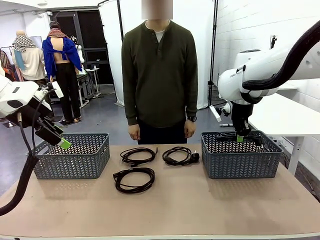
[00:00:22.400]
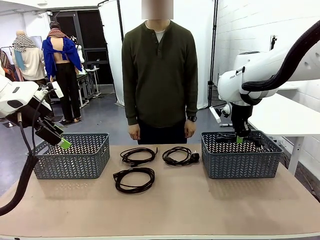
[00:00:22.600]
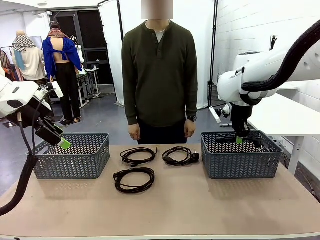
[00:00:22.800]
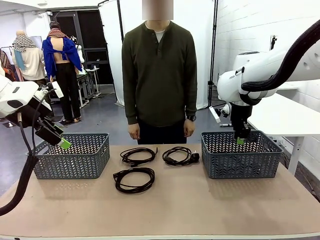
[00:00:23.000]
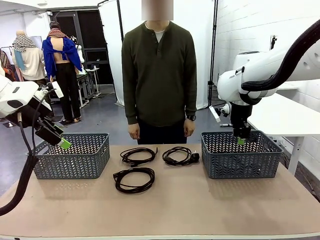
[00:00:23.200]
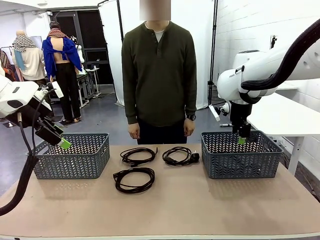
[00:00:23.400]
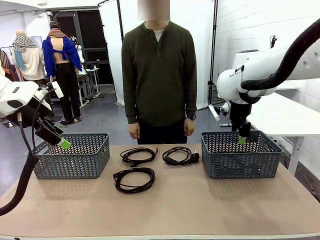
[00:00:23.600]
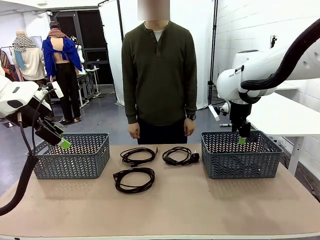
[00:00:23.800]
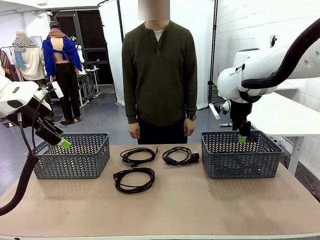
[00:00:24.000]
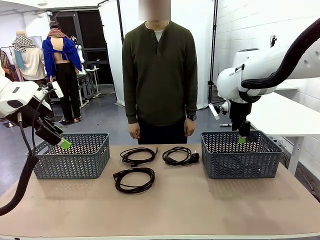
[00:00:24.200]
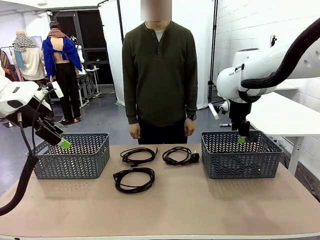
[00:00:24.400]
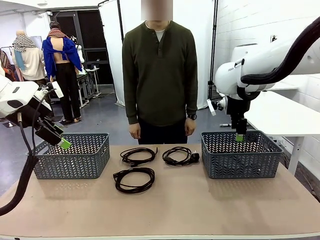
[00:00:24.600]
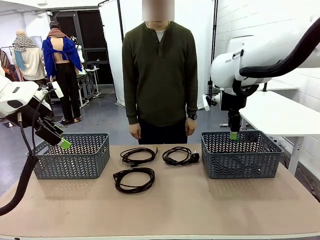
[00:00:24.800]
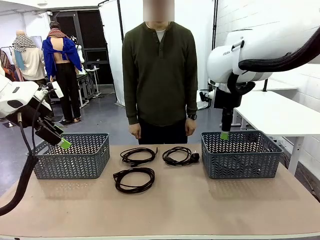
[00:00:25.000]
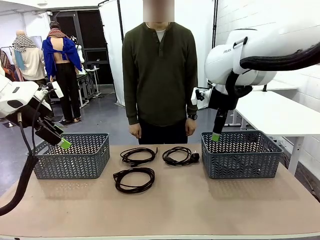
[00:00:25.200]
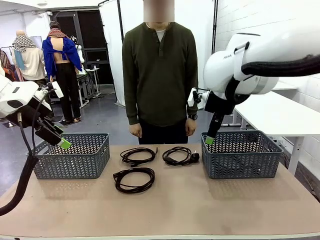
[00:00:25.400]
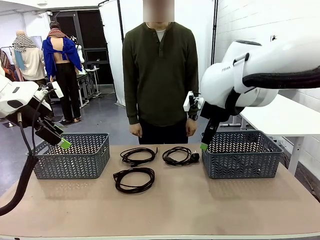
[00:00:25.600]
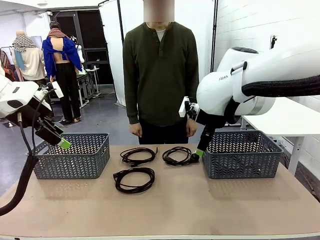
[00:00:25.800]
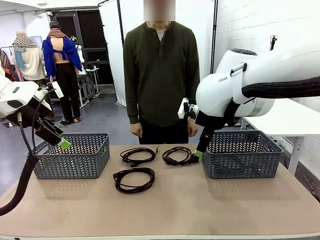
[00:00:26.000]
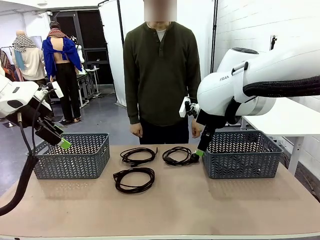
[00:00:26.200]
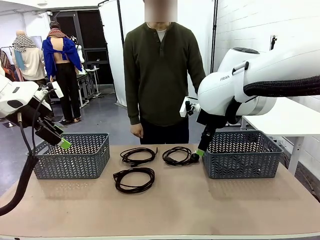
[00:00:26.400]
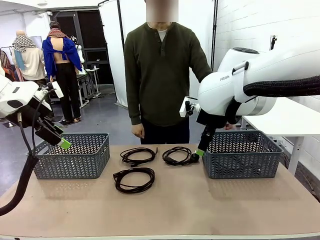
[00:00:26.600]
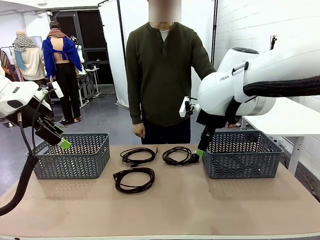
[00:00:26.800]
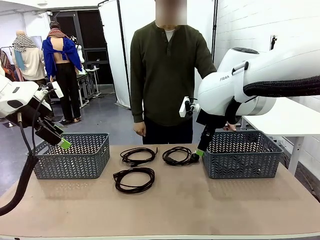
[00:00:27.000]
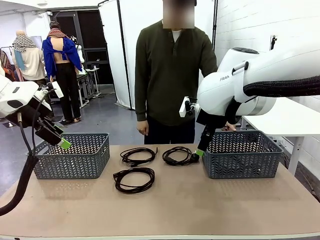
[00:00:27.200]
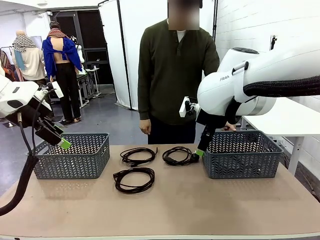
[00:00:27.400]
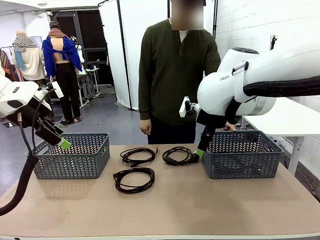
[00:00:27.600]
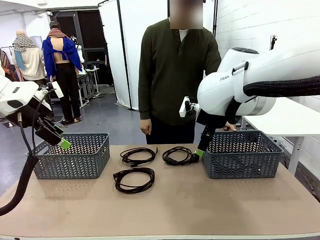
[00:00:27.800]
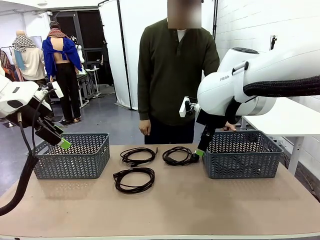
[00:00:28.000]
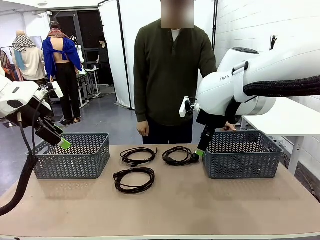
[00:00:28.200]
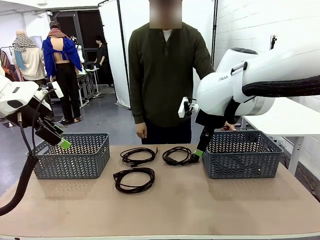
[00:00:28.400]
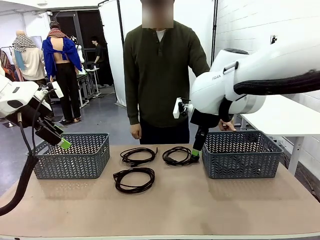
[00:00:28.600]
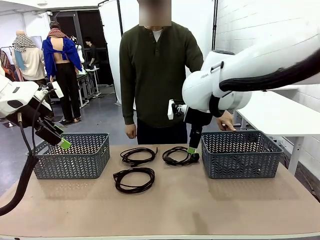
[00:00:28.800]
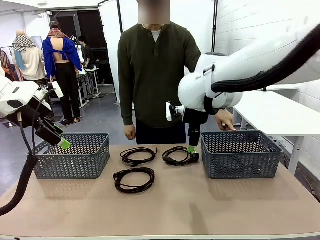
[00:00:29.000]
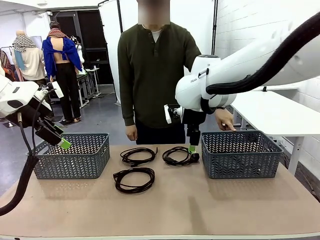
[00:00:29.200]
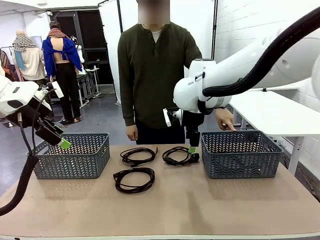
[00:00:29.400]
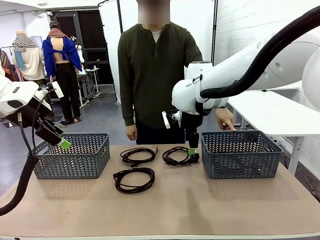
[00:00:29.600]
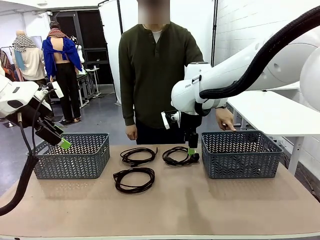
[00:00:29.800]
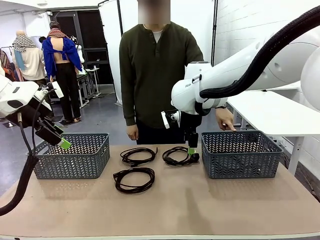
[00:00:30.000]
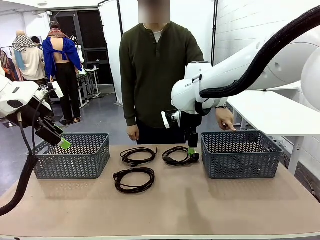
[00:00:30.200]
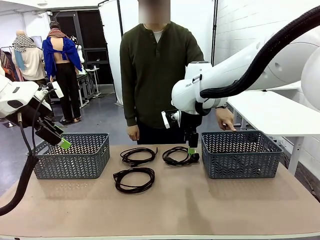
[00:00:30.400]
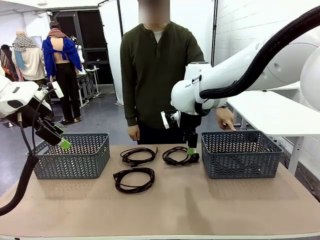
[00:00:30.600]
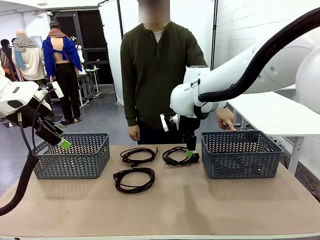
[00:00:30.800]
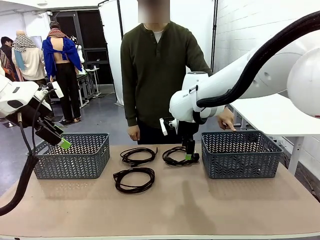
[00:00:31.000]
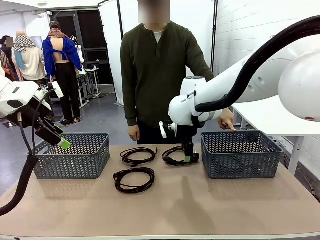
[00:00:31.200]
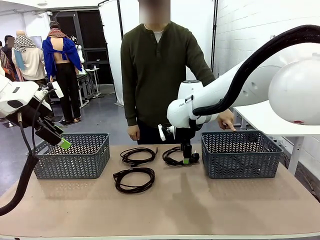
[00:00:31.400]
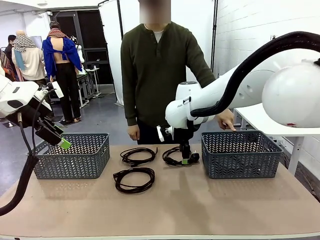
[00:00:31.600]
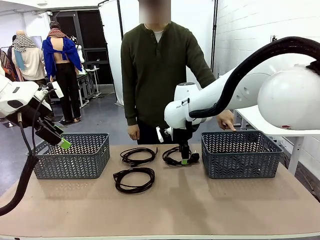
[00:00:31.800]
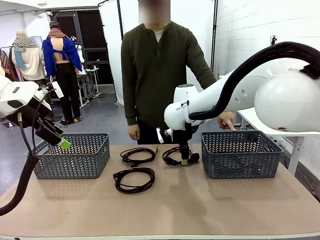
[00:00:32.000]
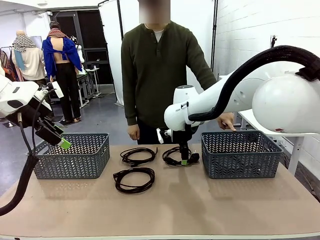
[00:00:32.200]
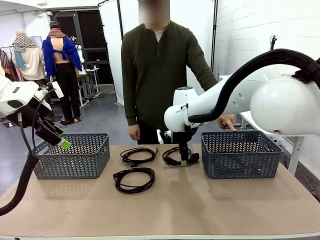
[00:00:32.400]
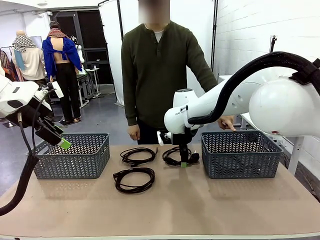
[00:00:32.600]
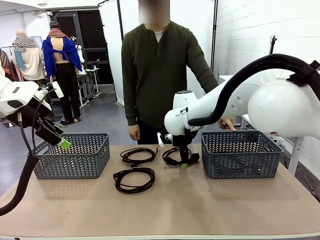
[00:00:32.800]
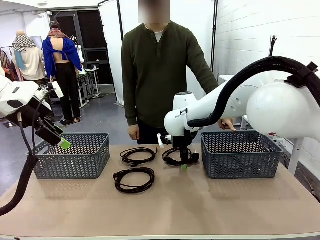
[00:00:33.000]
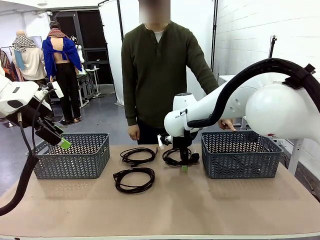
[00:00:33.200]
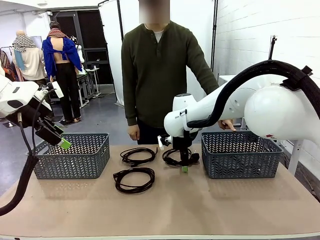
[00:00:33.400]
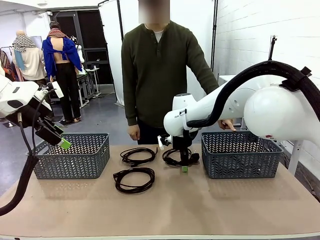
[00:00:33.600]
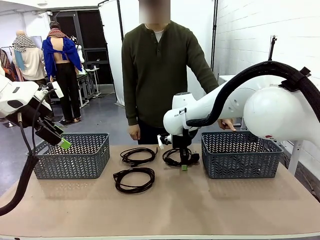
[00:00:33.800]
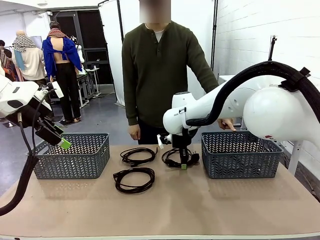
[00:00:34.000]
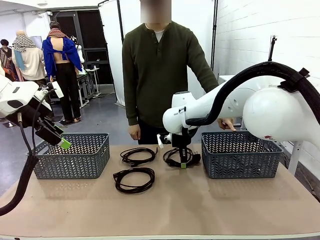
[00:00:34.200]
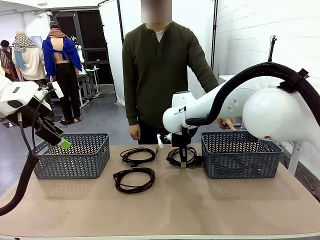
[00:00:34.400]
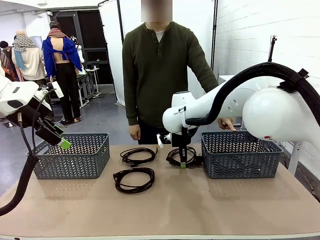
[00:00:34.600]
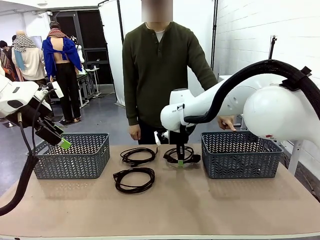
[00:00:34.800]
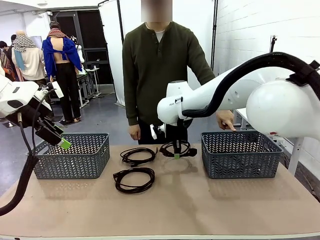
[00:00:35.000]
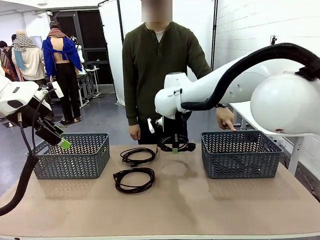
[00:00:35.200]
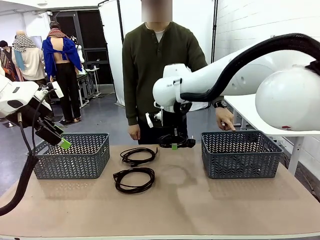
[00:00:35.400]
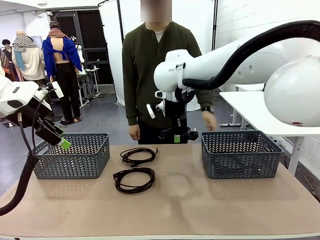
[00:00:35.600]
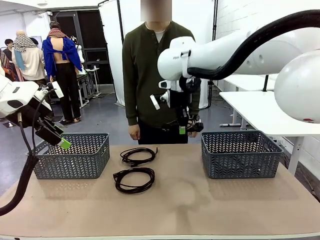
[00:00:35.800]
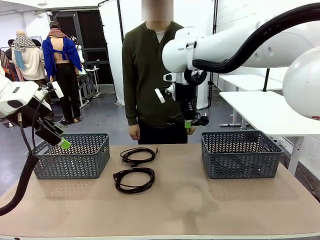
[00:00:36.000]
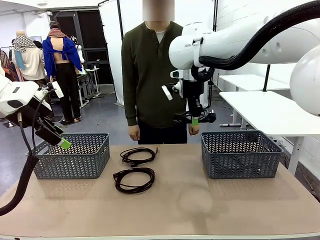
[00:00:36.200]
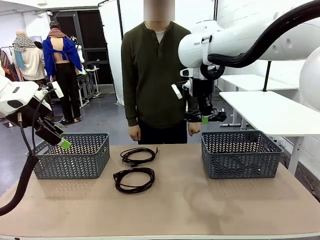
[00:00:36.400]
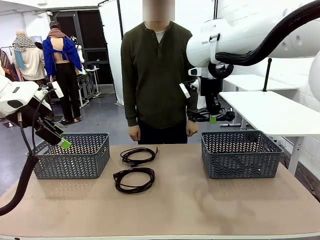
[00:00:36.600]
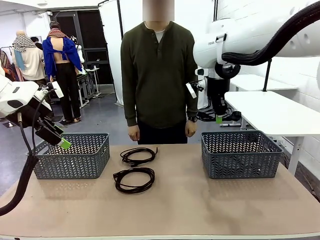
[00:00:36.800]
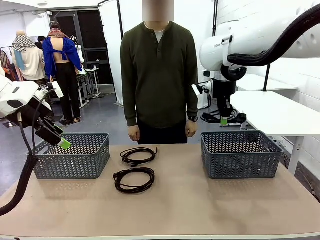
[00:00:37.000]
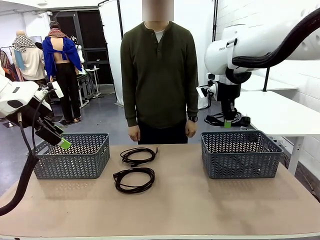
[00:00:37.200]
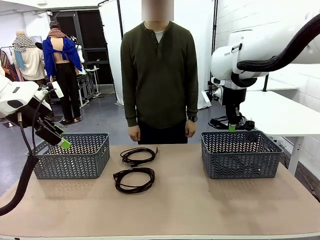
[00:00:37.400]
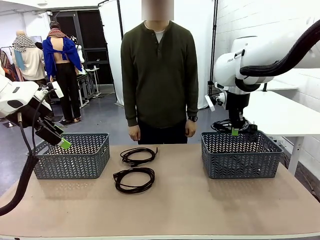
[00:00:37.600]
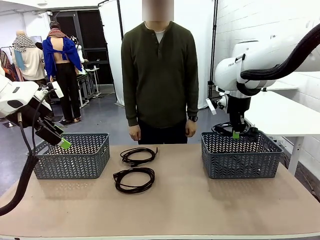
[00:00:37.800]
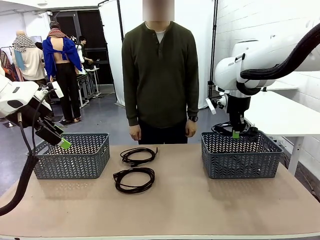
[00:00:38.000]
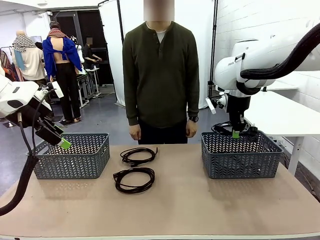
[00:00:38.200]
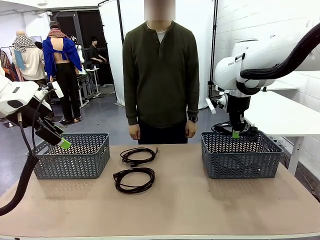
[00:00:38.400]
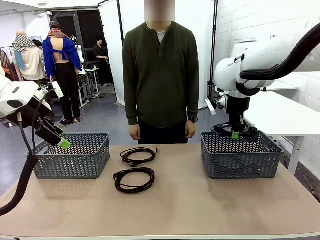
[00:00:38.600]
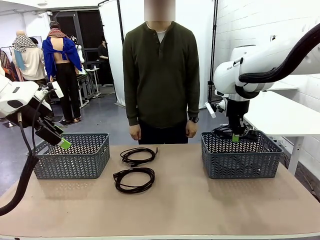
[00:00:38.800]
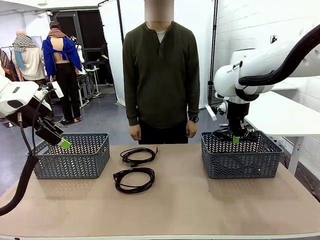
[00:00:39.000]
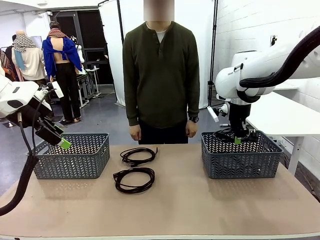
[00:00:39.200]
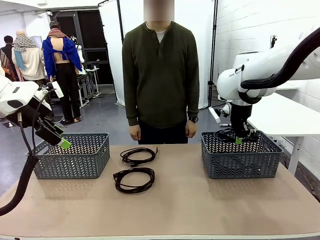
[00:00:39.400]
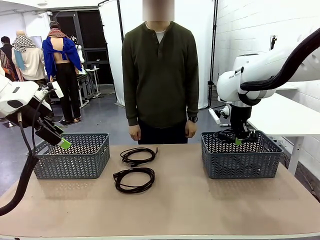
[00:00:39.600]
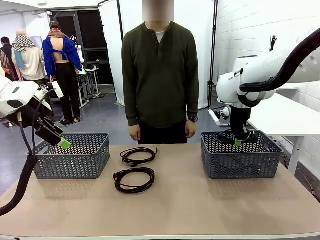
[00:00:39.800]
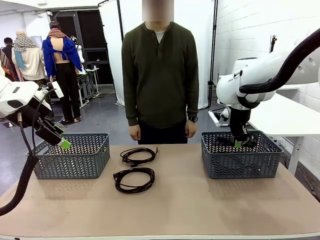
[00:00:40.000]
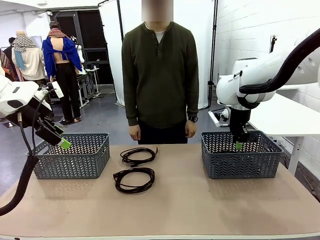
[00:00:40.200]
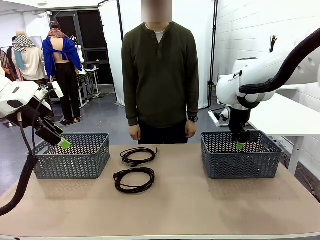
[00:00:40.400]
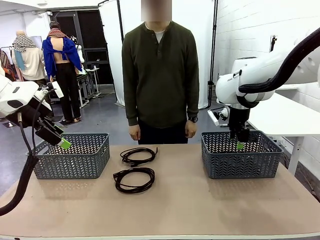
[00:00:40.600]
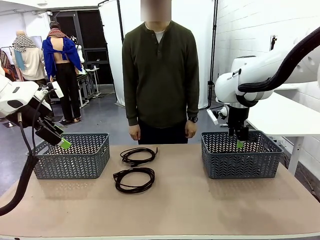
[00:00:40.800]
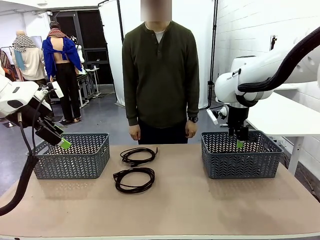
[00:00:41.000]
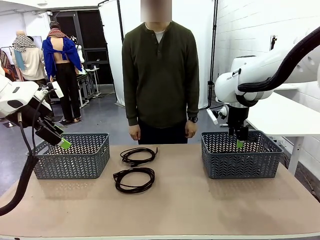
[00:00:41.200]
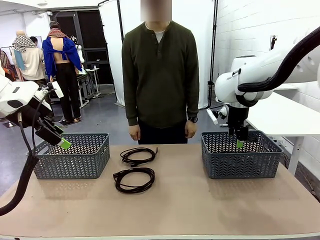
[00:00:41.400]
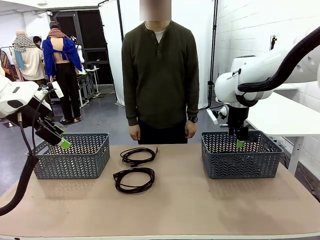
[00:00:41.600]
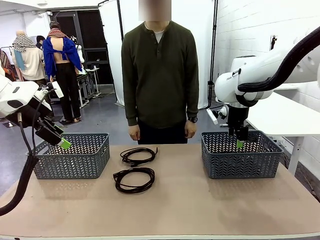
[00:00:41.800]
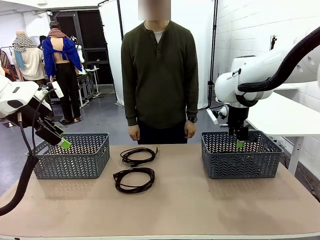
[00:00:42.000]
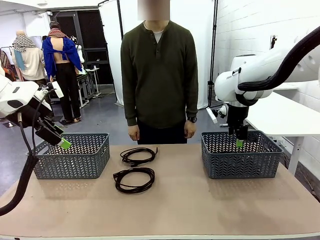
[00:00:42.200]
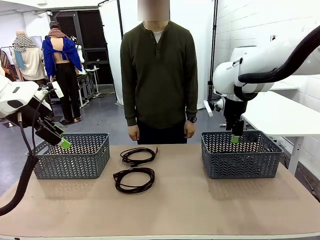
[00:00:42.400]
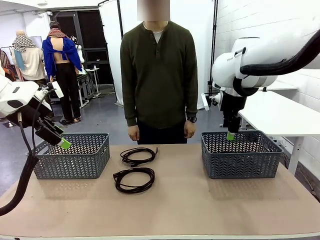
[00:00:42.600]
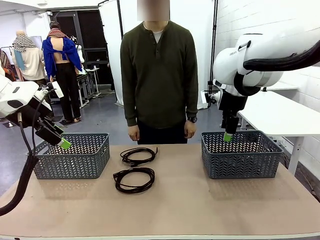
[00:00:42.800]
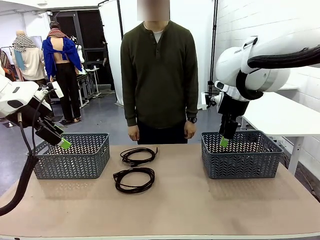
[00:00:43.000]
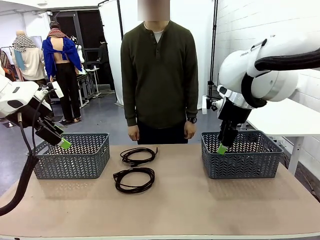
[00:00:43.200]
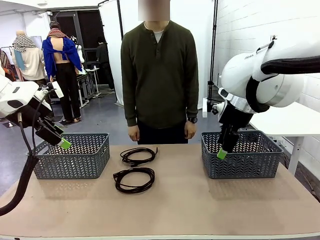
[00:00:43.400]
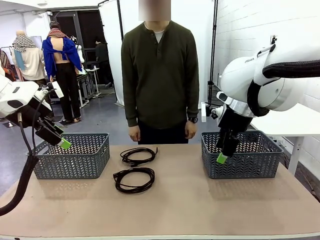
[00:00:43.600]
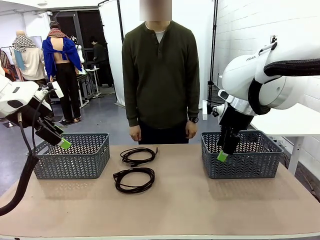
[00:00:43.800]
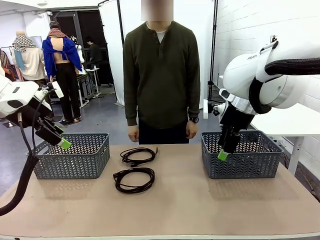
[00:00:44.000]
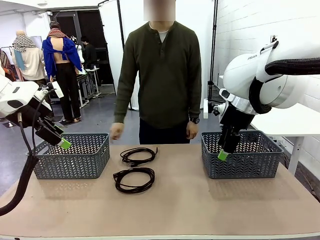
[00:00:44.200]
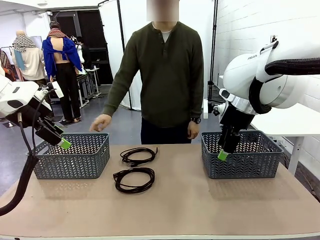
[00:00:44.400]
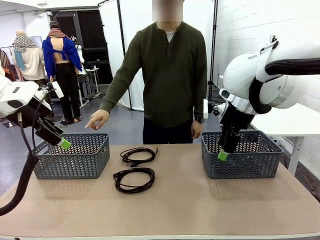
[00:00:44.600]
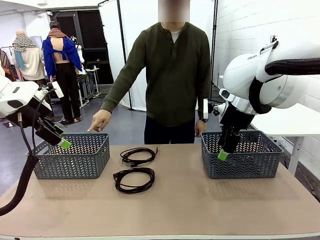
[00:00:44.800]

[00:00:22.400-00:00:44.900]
Task: Organize the cables according to human instructions.
Robot: Pick up a bundle of cables and place it in the basket indicated by the human.
